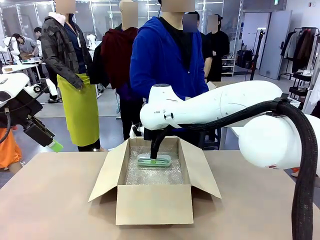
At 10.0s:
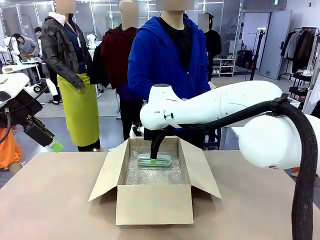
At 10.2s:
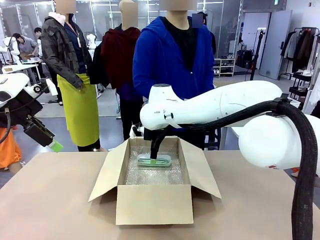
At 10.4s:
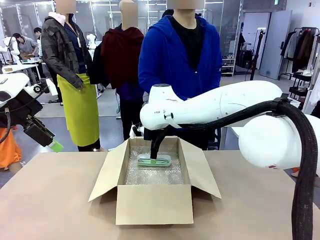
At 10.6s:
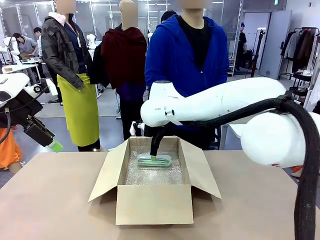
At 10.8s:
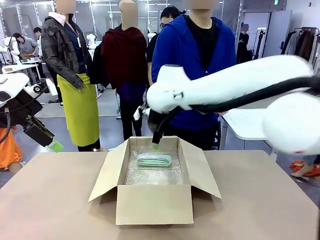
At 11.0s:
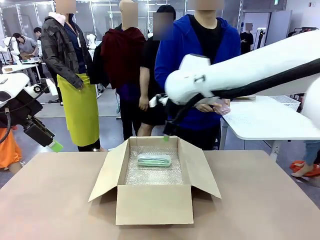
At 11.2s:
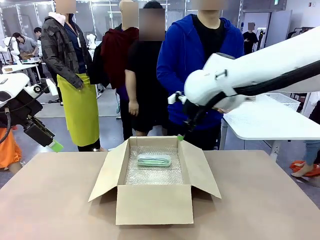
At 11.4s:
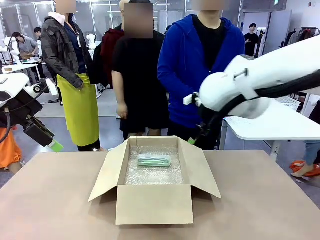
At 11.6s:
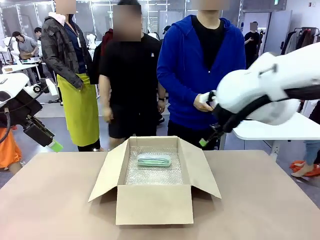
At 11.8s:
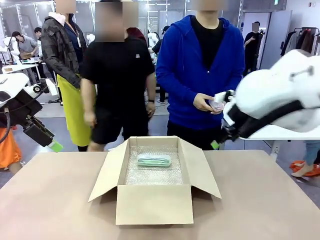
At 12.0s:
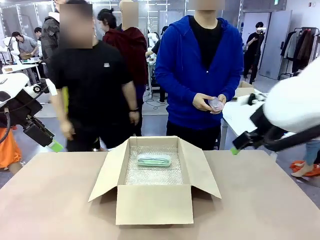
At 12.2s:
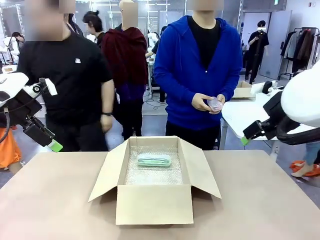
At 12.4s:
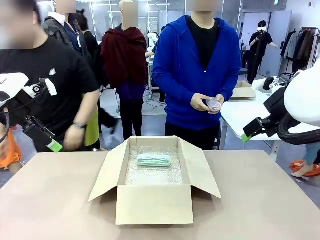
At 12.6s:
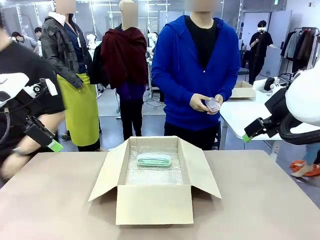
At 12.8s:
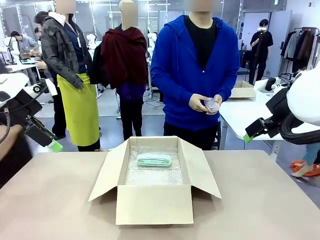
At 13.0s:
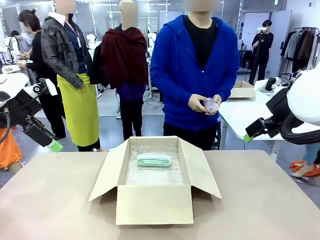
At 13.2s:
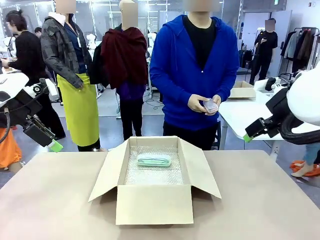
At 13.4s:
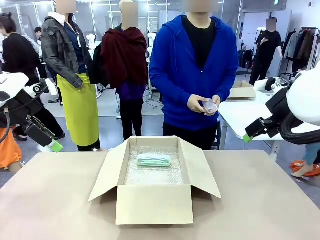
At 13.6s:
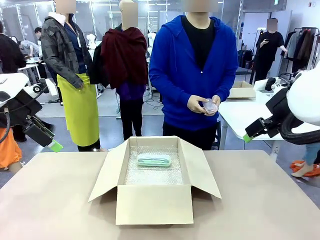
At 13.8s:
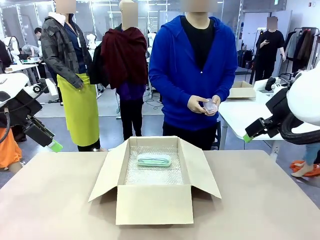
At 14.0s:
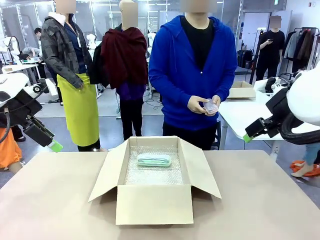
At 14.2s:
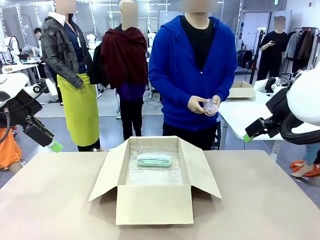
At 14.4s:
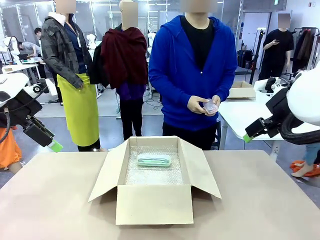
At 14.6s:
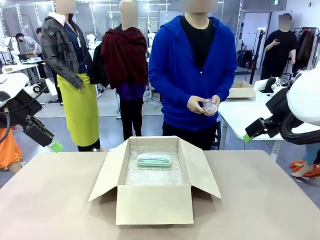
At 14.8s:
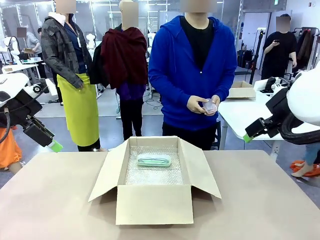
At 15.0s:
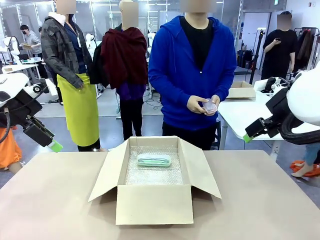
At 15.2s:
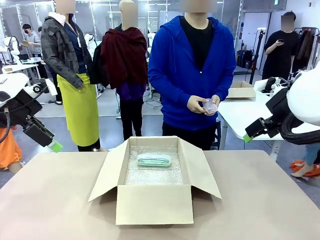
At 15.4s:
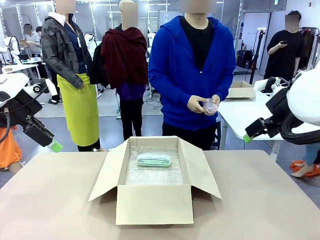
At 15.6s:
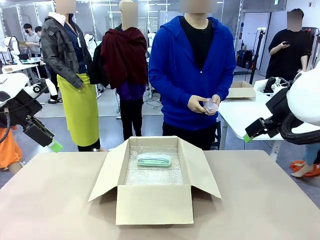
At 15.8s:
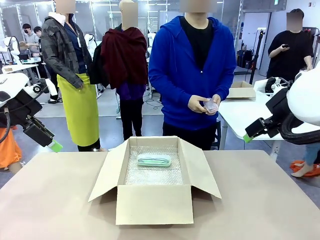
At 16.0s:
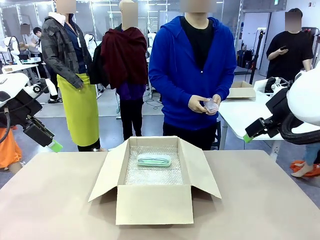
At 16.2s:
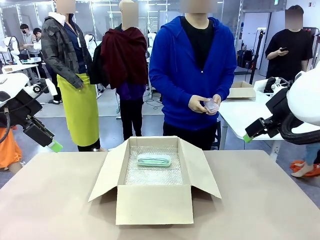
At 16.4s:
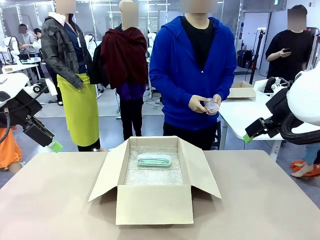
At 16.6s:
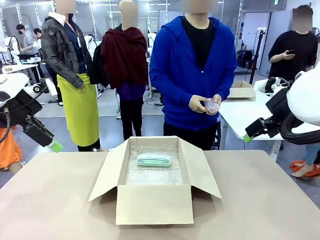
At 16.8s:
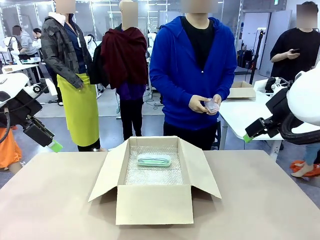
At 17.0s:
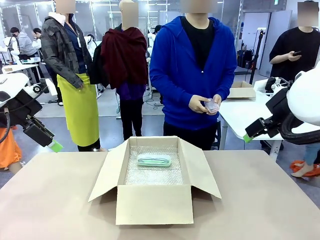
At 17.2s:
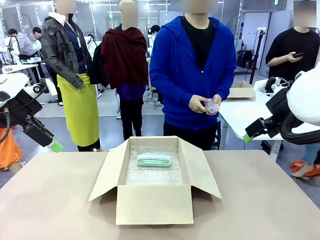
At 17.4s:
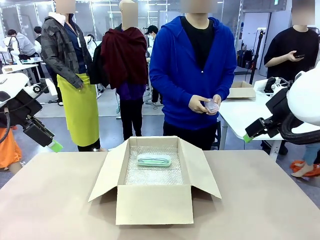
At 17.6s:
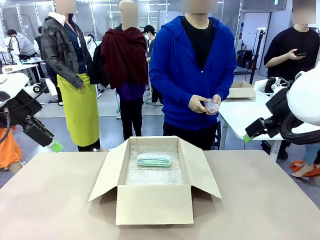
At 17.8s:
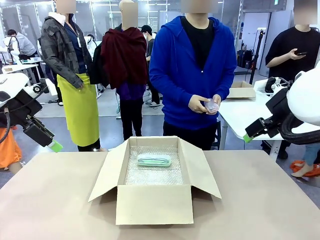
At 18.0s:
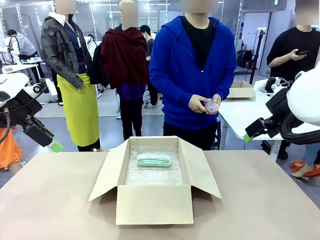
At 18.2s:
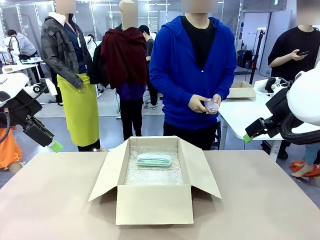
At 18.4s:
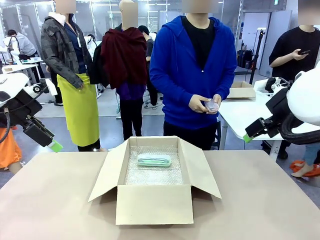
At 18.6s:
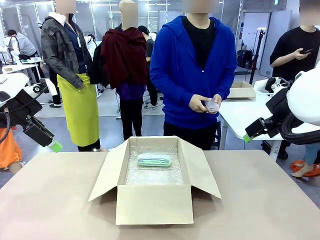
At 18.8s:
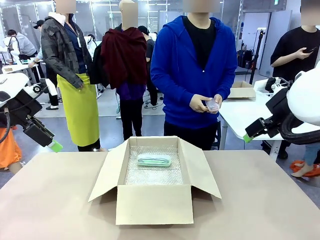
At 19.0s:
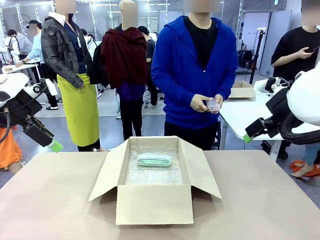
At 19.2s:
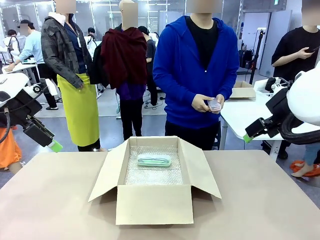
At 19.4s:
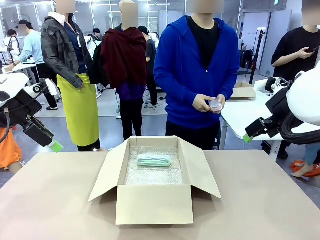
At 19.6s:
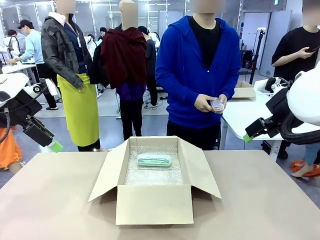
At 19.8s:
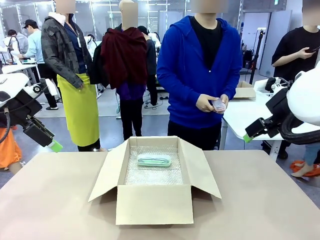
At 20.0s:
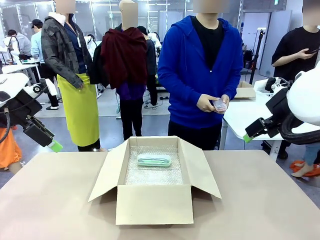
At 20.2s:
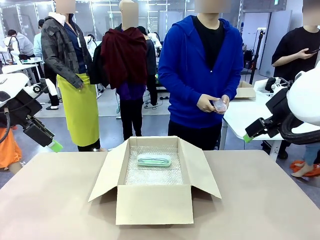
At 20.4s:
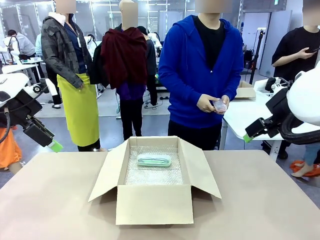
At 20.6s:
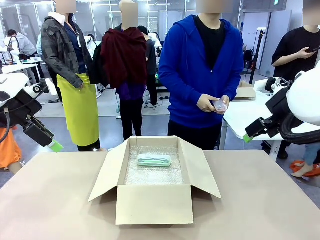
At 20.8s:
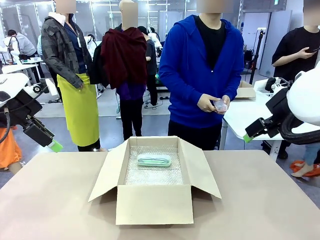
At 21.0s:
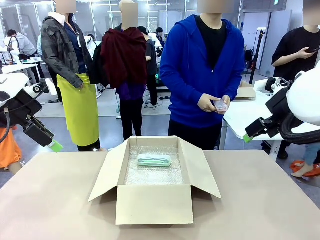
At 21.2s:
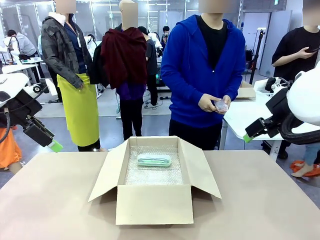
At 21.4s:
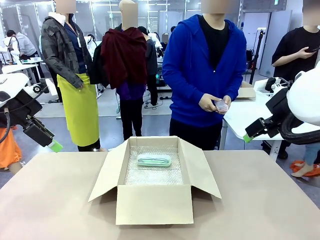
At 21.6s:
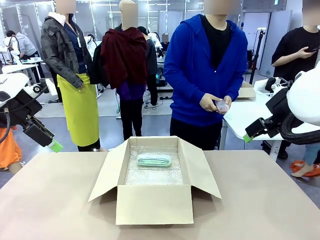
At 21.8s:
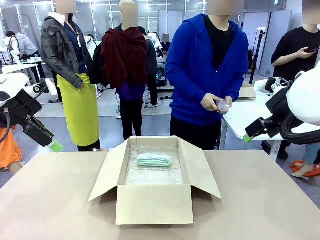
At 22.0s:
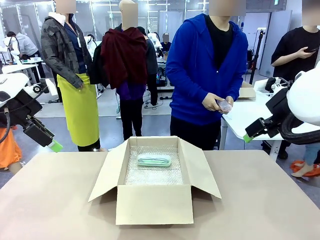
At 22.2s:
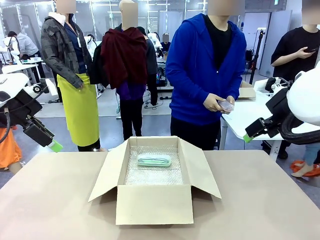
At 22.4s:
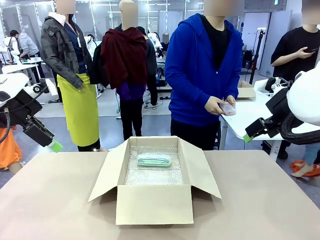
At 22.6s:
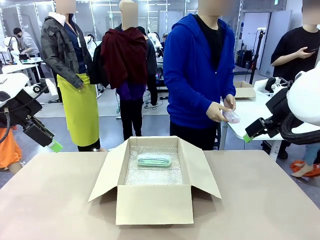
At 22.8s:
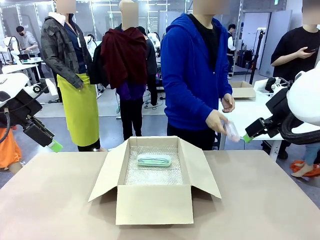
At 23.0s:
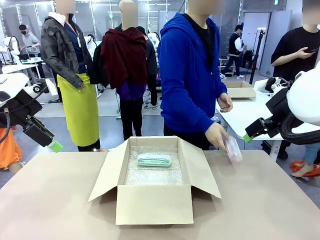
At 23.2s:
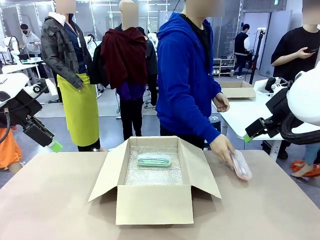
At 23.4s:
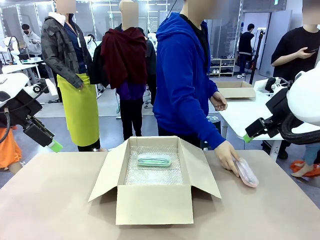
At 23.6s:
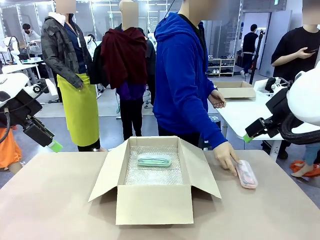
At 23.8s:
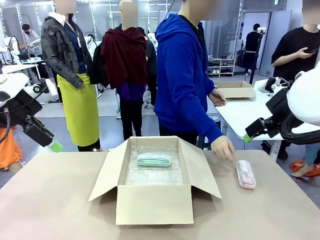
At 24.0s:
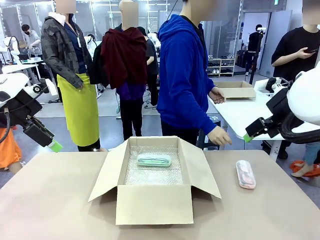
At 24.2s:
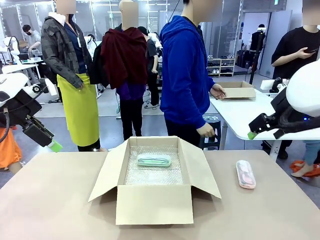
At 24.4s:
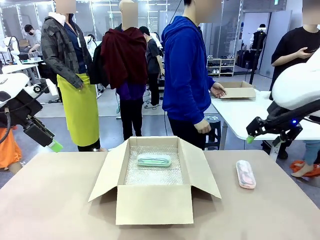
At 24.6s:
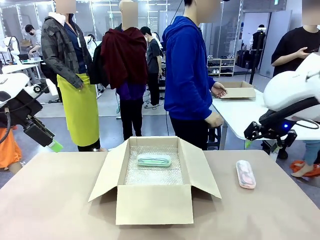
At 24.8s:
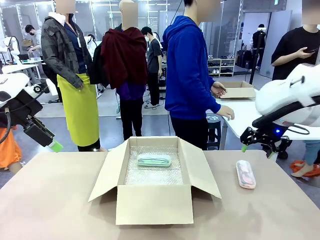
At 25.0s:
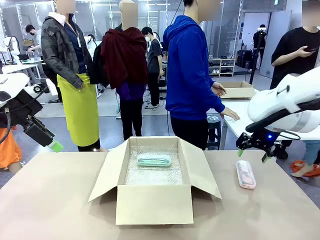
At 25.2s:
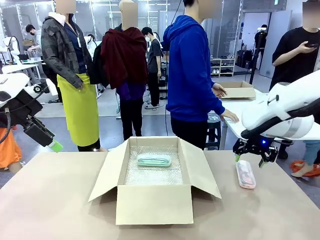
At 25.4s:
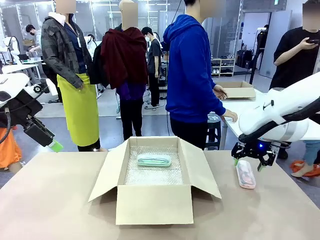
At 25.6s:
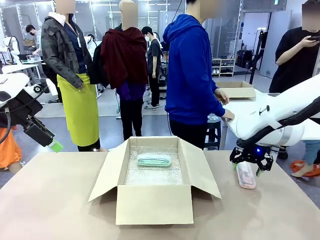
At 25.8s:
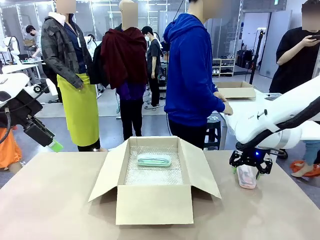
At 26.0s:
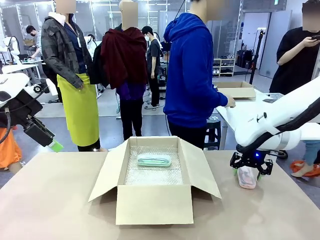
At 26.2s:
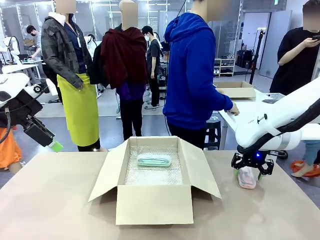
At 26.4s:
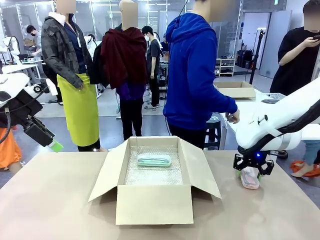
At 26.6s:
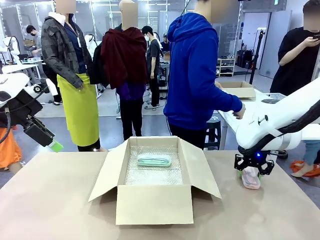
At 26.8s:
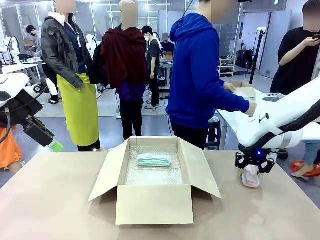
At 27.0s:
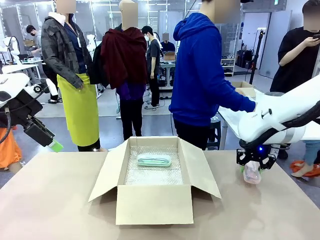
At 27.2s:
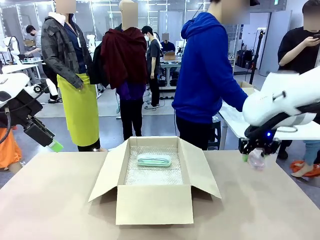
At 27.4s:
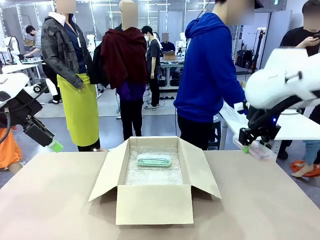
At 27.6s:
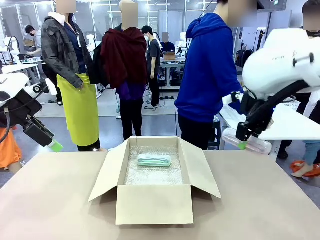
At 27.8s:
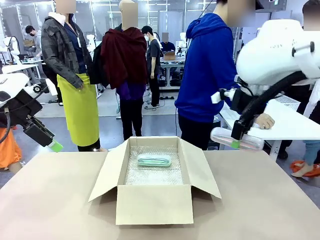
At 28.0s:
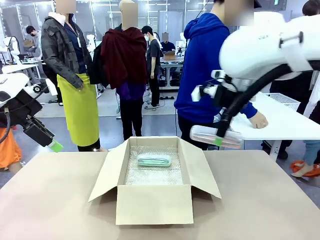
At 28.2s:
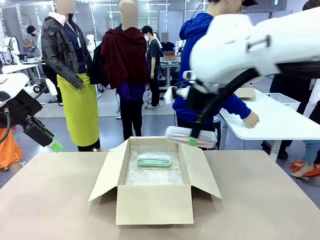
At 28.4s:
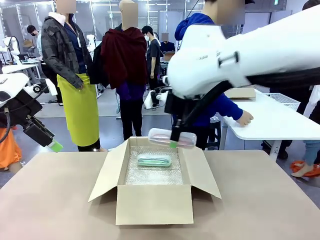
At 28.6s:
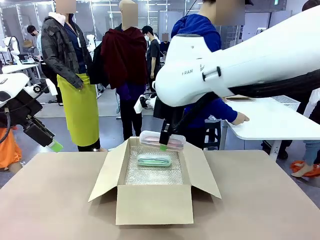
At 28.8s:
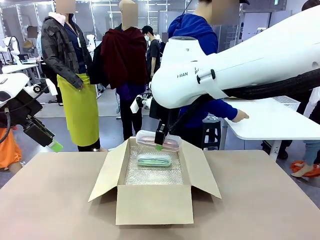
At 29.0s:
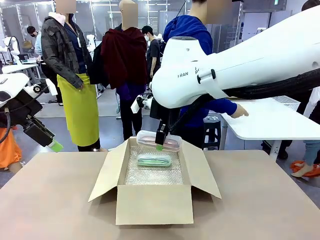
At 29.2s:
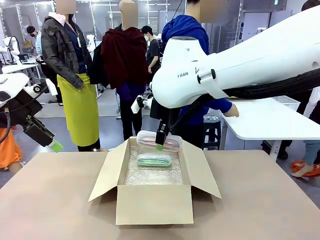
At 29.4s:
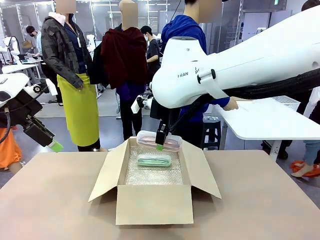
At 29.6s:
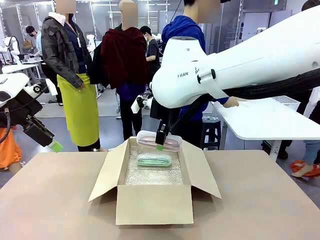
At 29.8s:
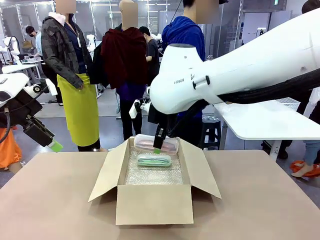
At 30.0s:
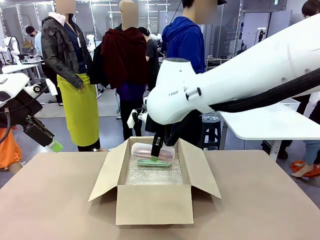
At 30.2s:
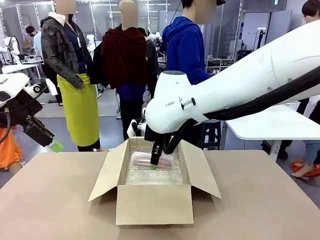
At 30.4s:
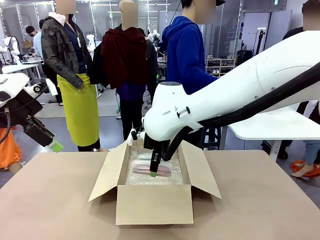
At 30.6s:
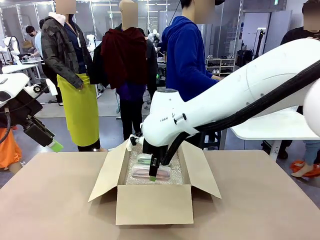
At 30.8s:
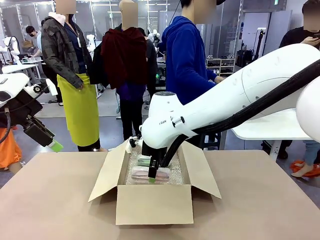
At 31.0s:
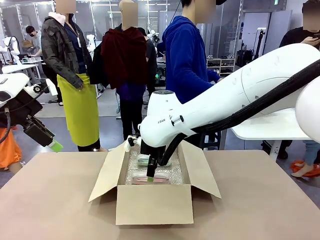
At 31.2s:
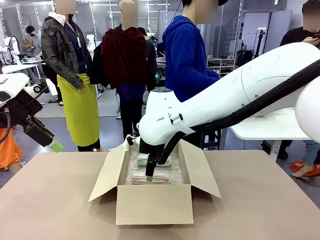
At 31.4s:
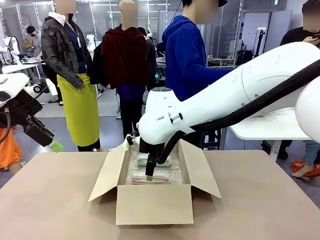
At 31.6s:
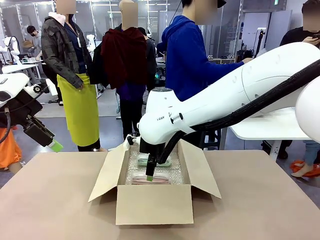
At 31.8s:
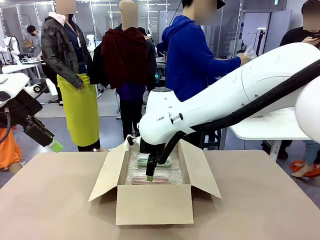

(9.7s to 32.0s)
Task: Pack the glasses set securely to prepare it for shipping.
Robot: Put the Glasses case from the right side of the table into the Package Box.
Person: Position the Glasses case on the left side of the robot's table.
